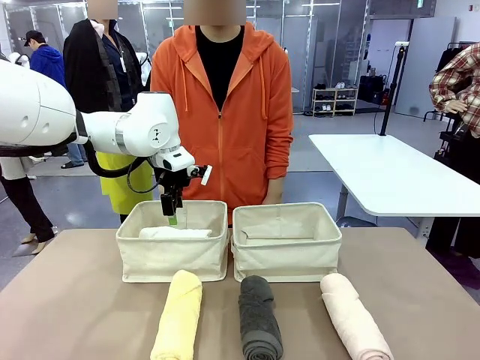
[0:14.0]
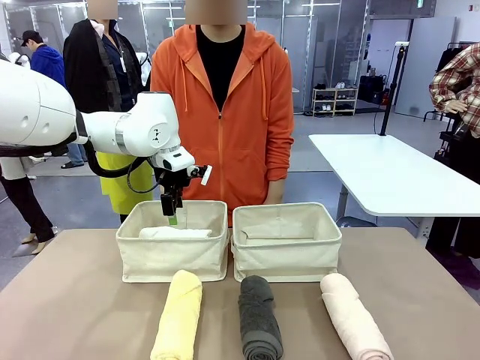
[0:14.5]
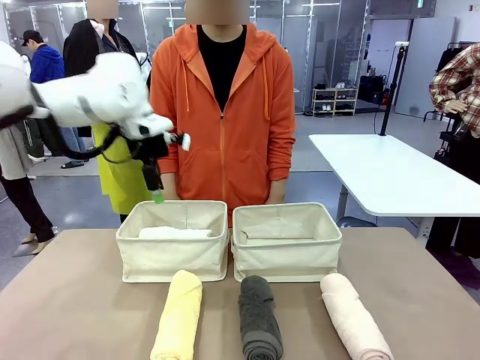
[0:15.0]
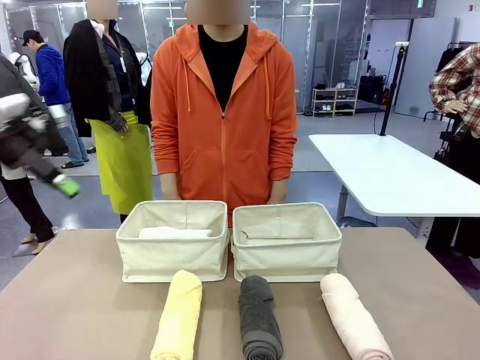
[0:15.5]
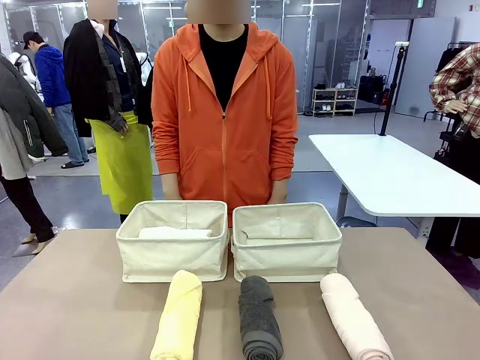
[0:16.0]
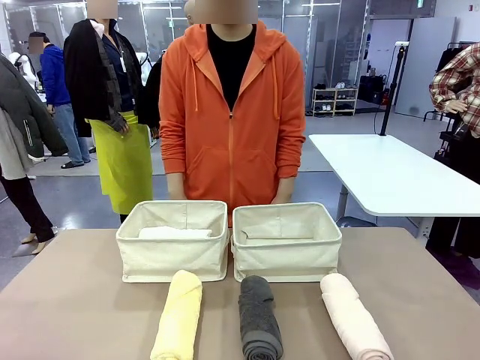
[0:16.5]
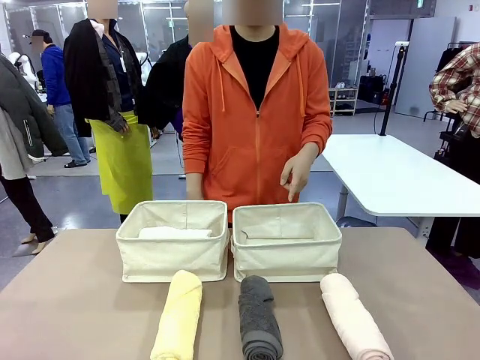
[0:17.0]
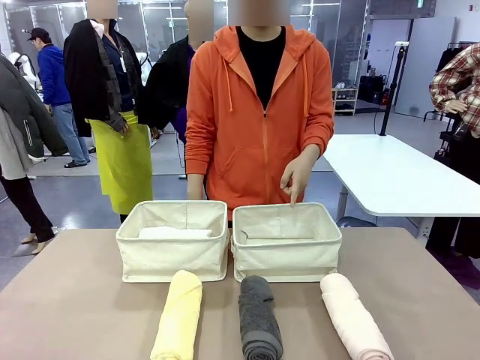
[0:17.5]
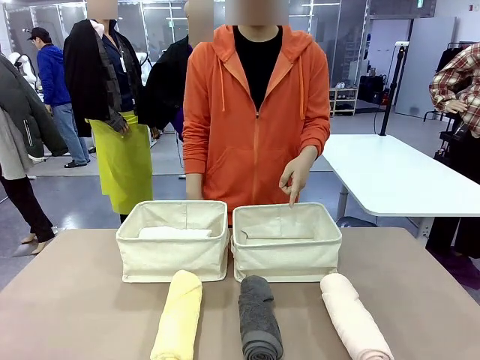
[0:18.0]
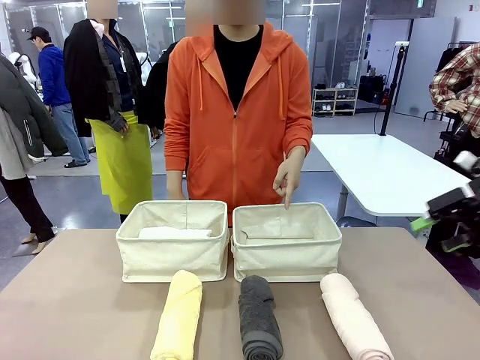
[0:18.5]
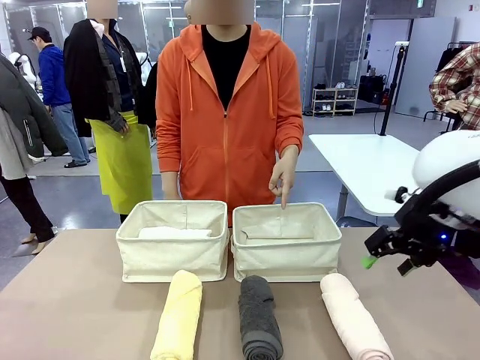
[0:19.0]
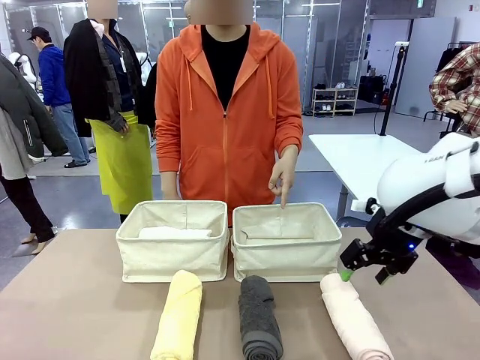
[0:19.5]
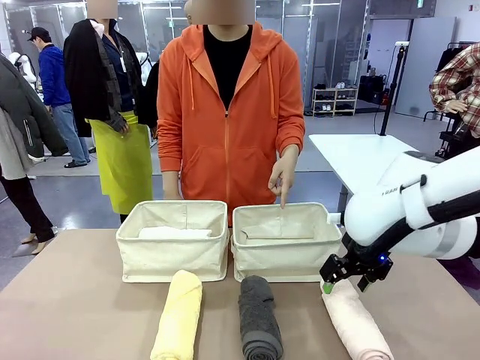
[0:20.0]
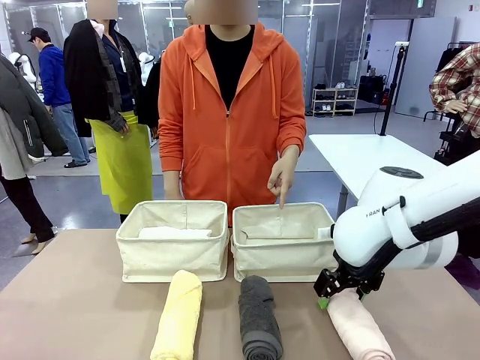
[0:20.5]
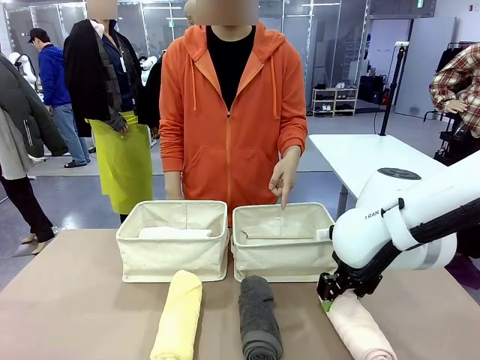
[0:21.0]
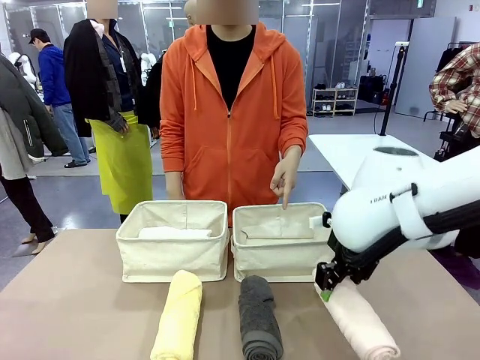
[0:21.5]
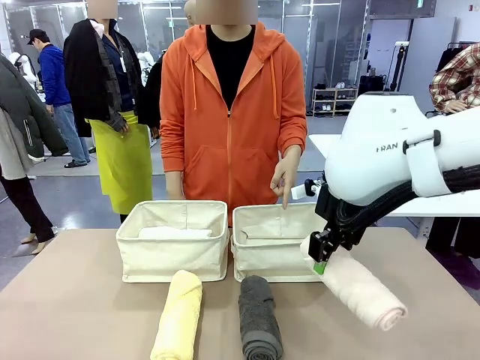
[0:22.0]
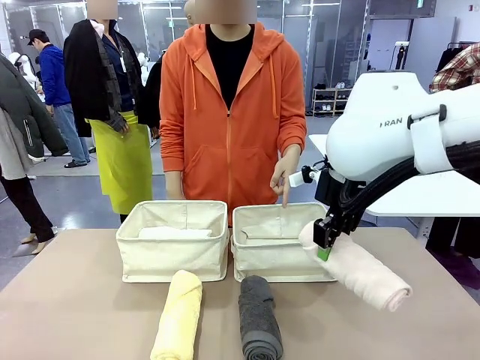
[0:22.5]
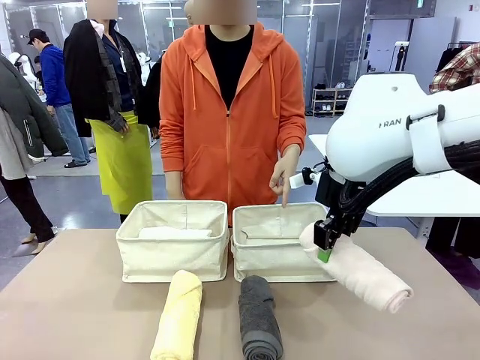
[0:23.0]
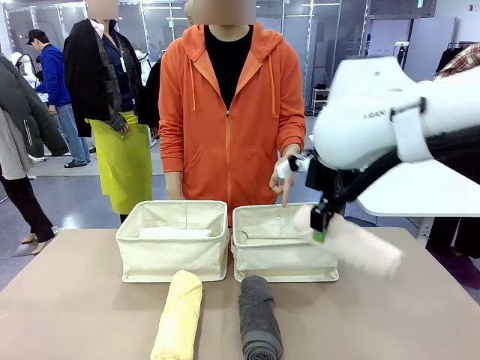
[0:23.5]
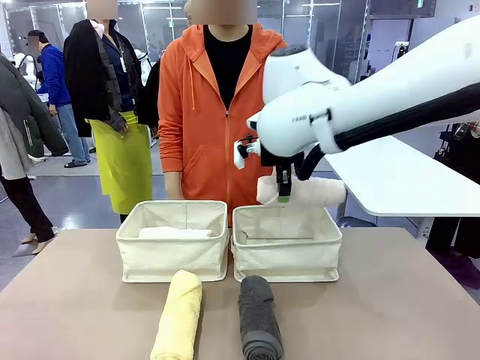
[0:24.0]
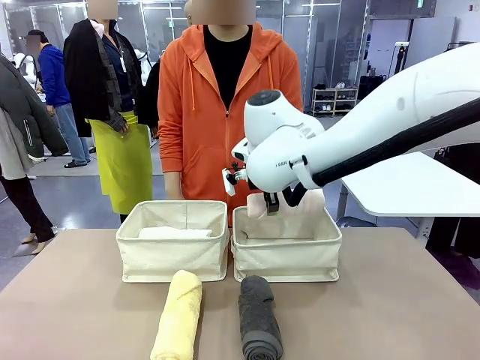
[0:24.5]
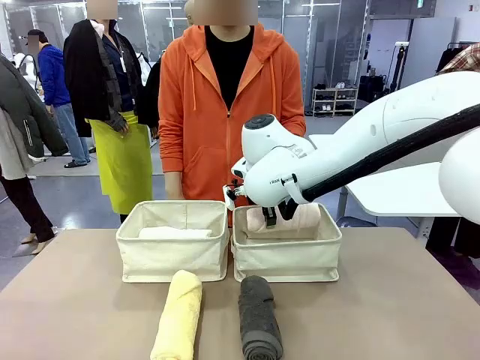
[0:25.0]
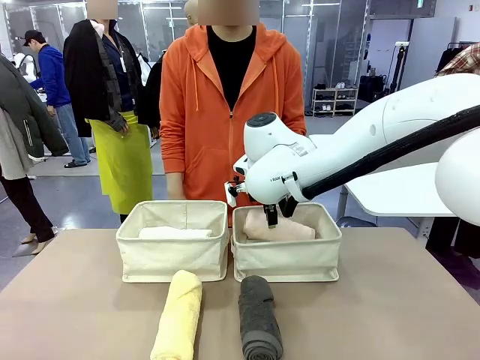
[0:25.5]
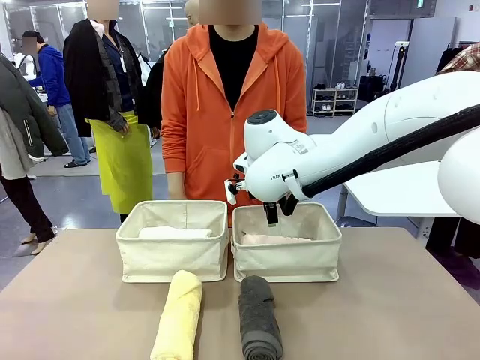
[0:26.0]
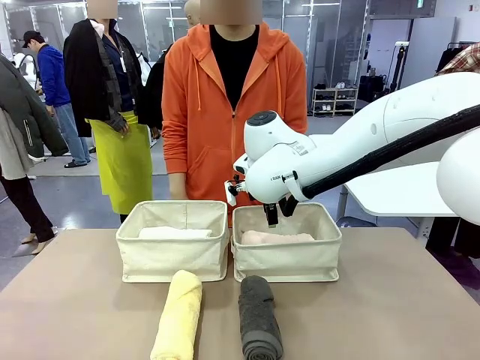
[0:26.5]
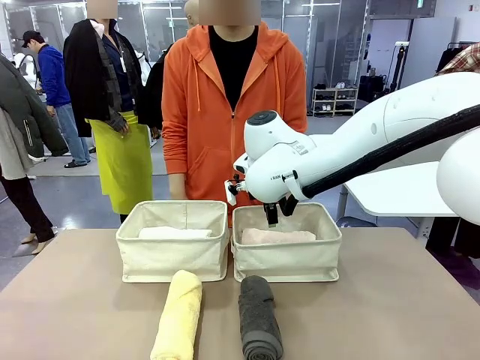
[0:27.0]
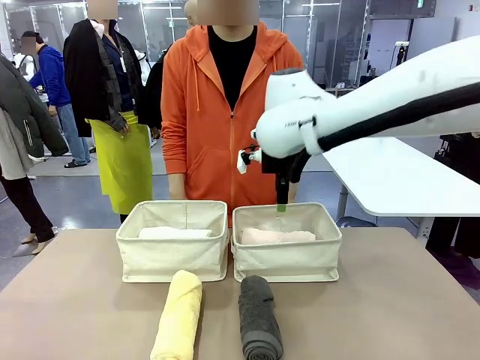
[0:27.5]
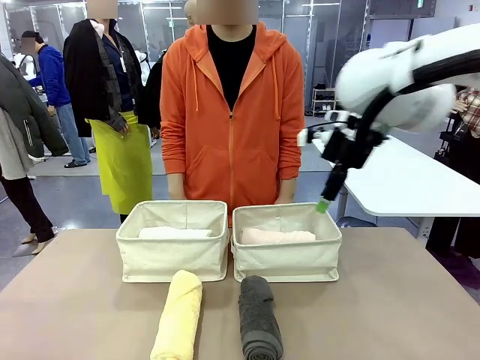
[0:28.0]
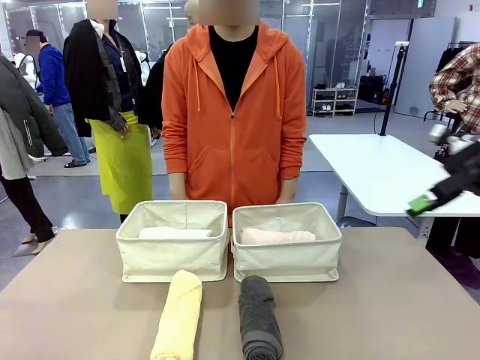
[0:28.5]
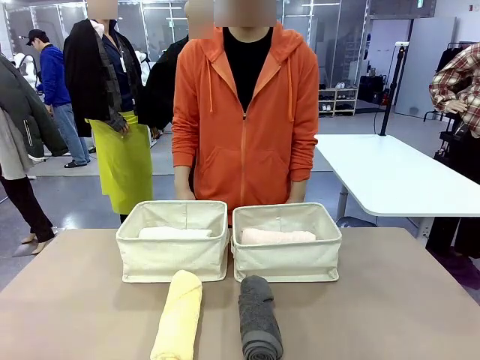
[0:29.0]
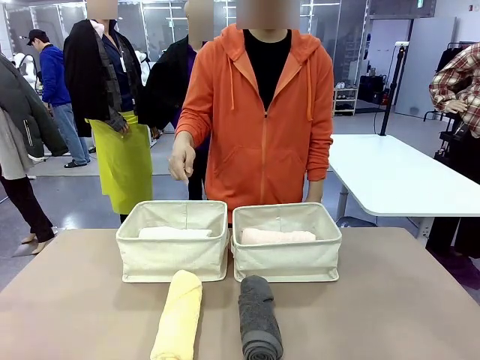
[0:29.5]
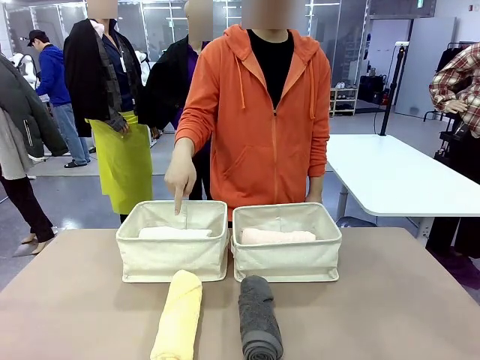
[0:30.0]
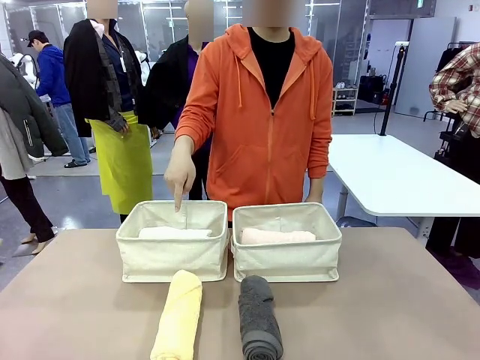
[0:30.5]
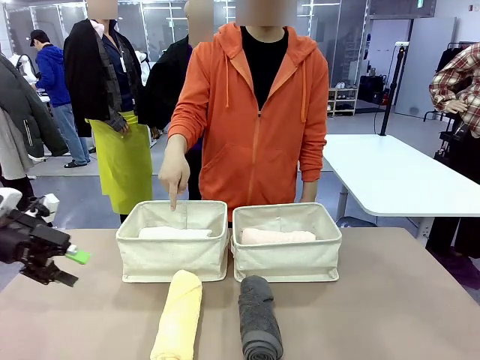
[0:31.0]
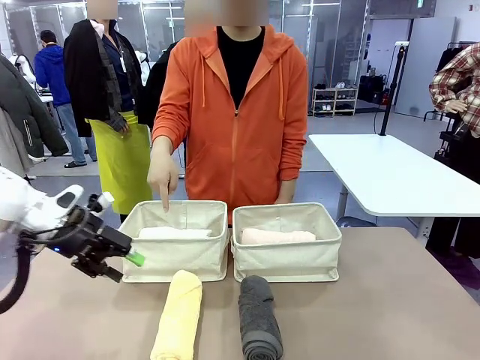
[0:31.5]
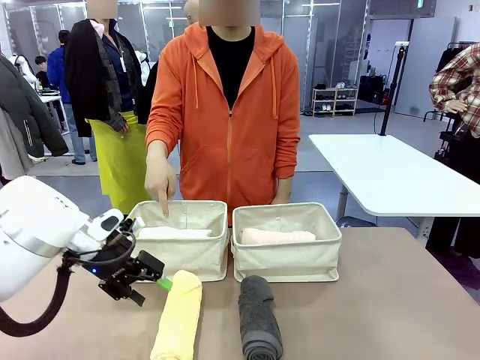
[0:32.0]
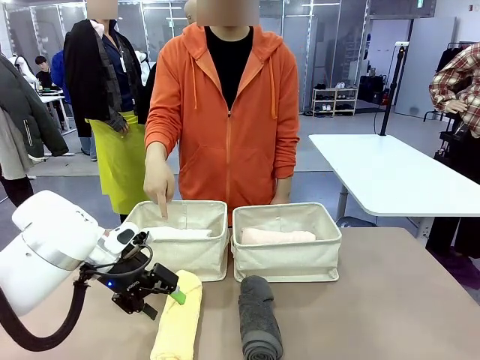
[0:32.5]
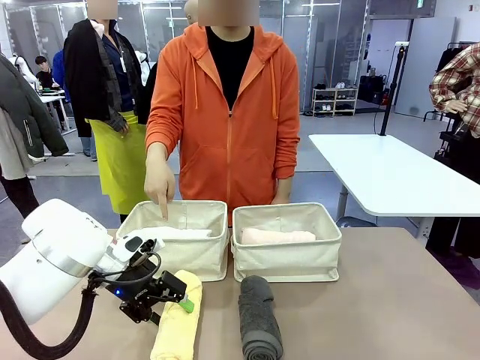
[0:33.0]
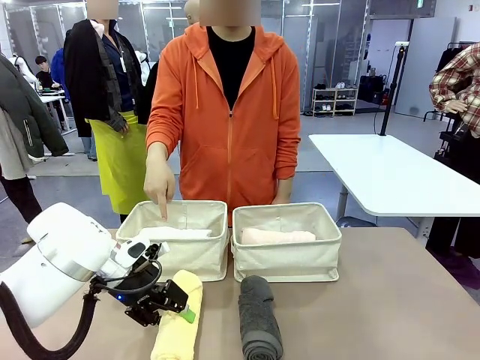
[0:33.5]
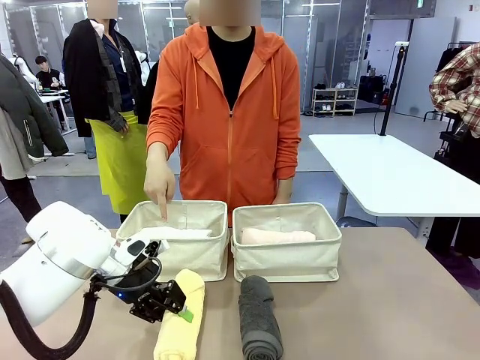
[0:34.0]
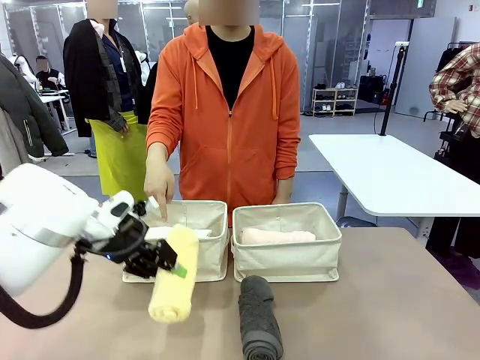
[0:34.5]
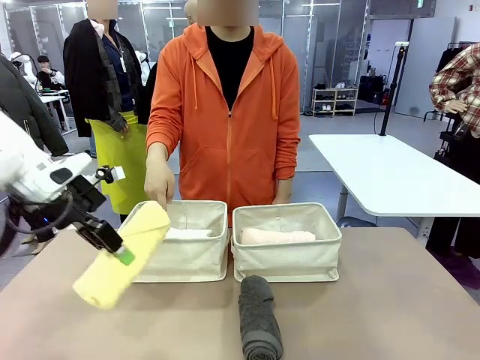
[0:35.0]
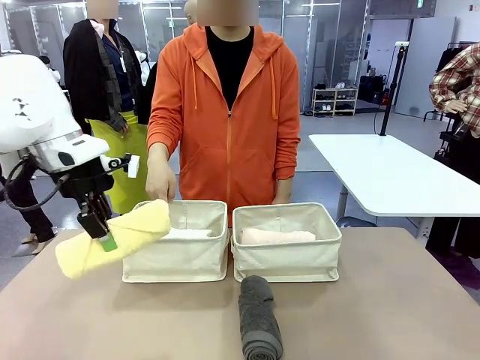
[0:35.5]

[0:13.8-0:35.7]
Task: Divide the towels into two baskets.
Robot: Pick up one hotel-folded towel from the bottom of the table and place it in the Fabric basket indicated by the person.

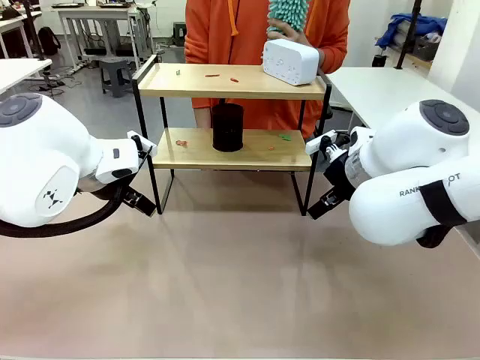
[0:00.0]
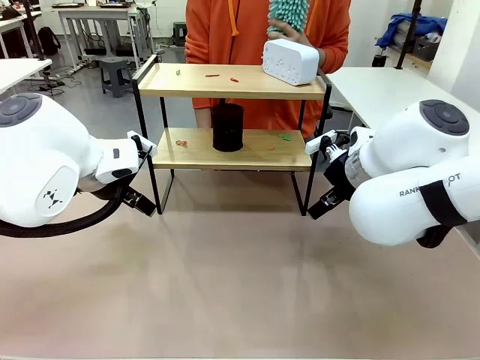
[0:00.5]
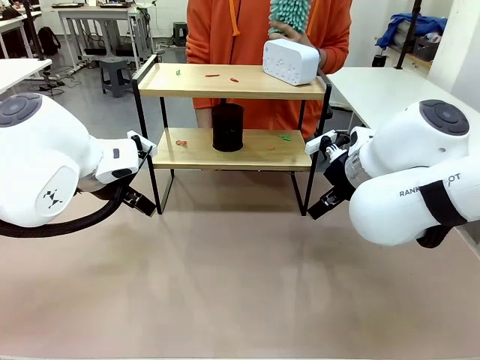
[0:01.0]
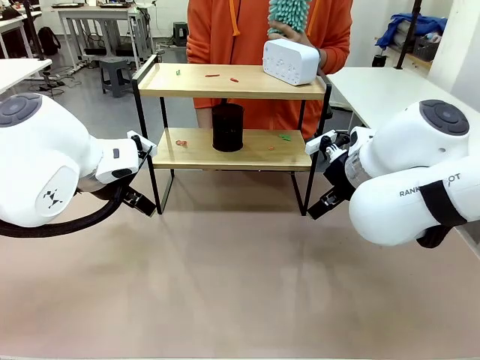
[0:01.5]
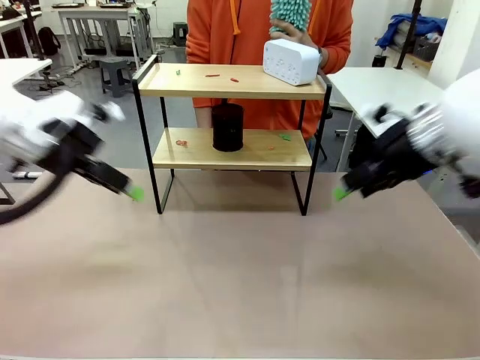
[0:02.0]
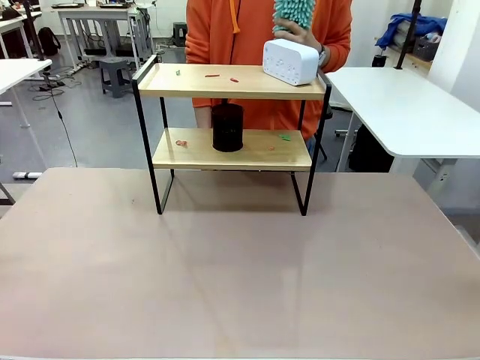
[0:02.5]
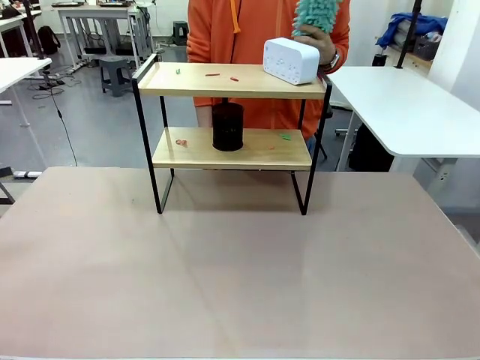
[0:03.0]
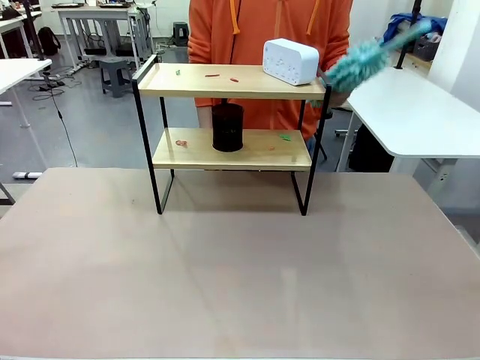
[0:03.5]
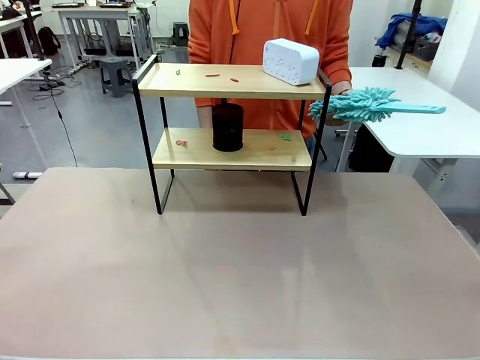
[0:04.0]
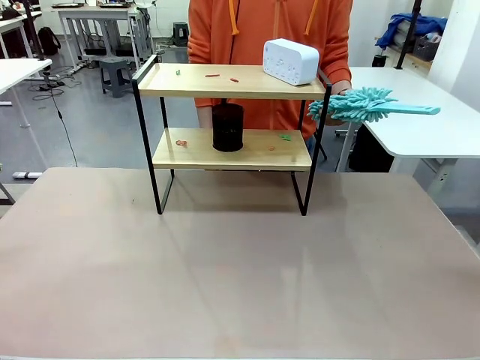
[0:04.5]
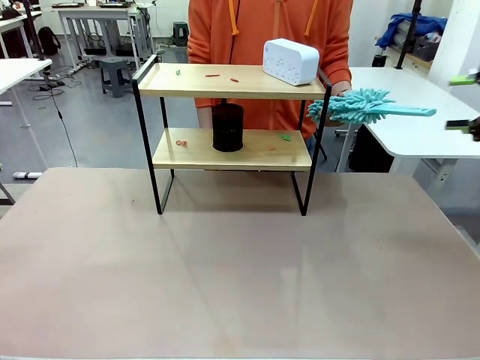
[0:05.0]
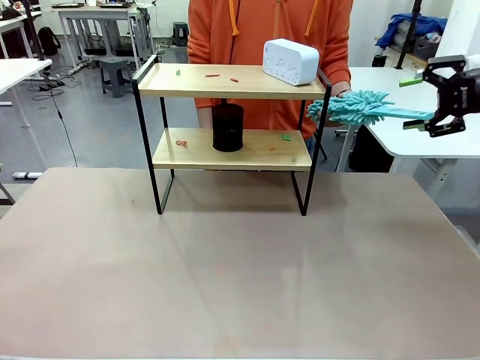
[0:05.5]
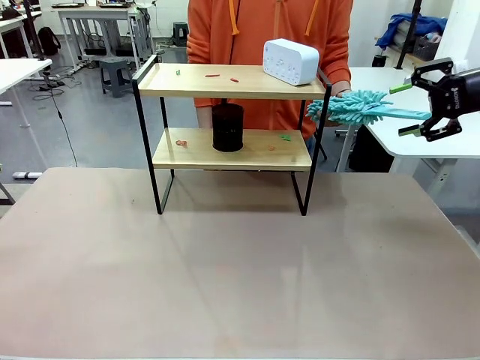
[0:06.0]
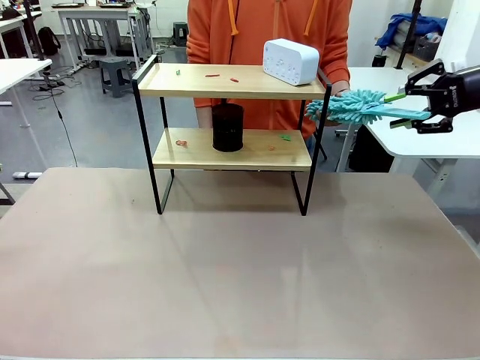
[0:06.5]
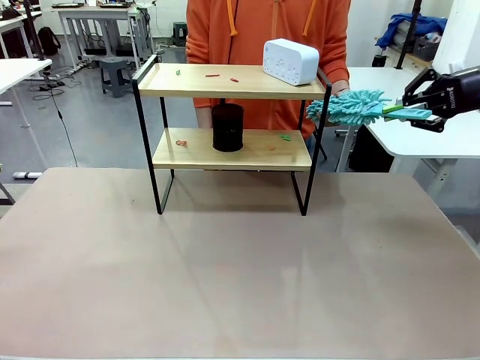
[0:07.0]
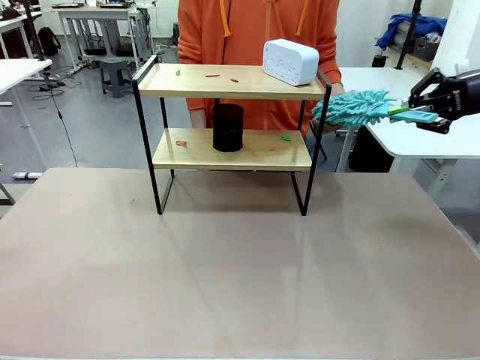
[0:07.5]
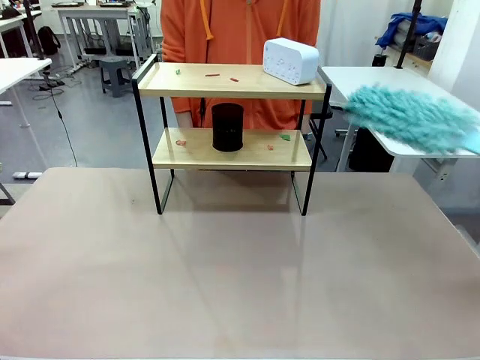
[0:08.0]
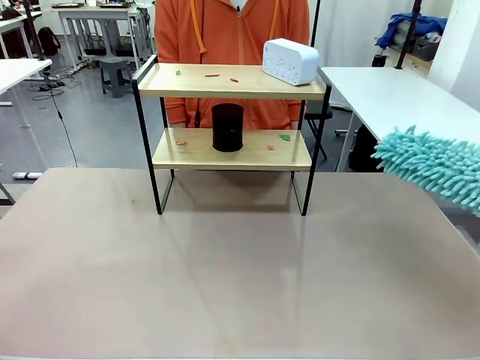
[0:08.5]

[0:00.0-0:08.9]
Task: Clean the shelf.
Robot: Pick up the Duster from the human.
Person: Hand the Duster to the robot.
